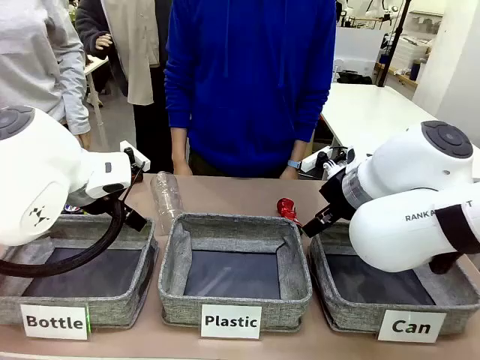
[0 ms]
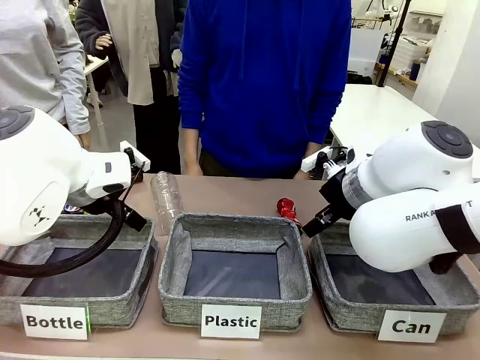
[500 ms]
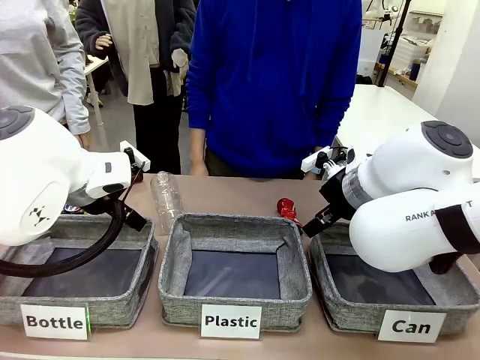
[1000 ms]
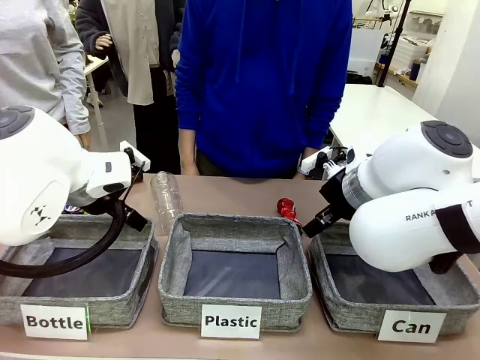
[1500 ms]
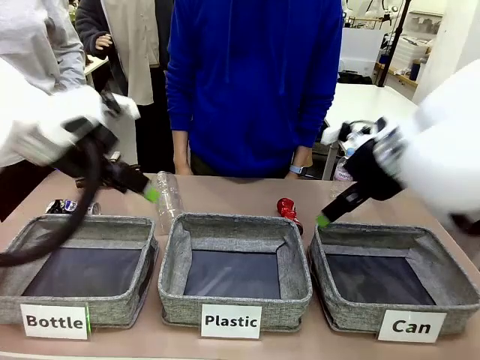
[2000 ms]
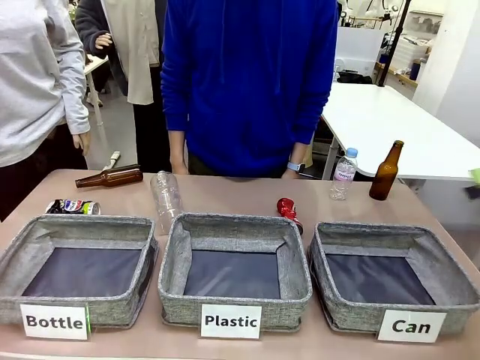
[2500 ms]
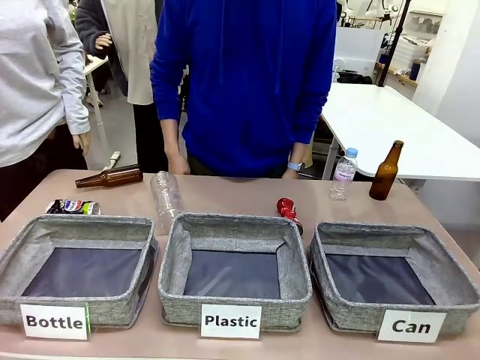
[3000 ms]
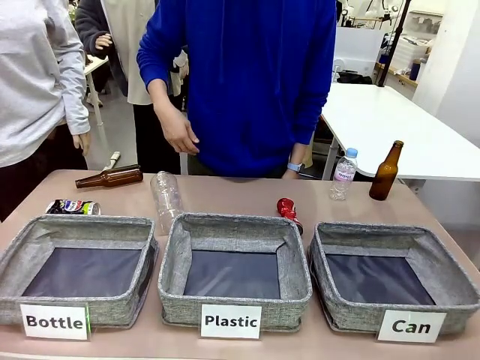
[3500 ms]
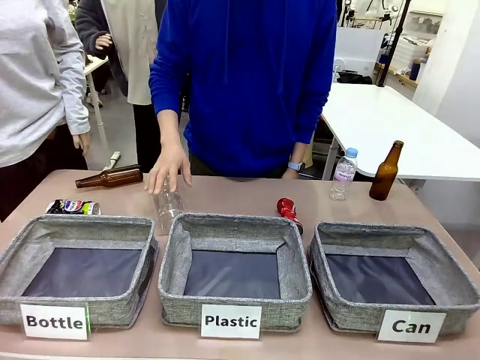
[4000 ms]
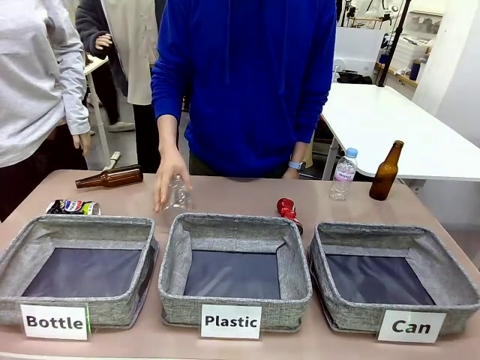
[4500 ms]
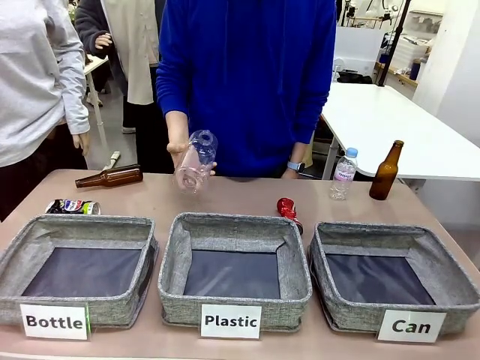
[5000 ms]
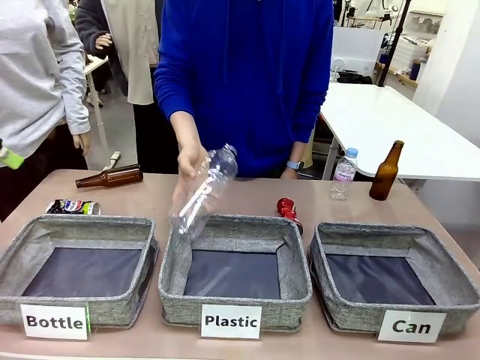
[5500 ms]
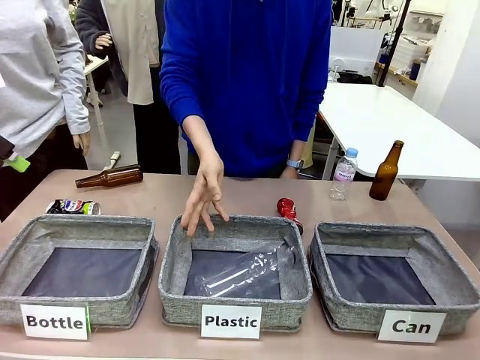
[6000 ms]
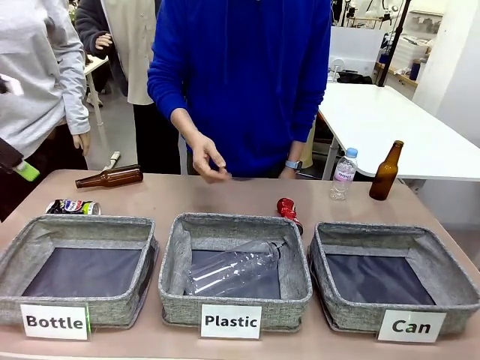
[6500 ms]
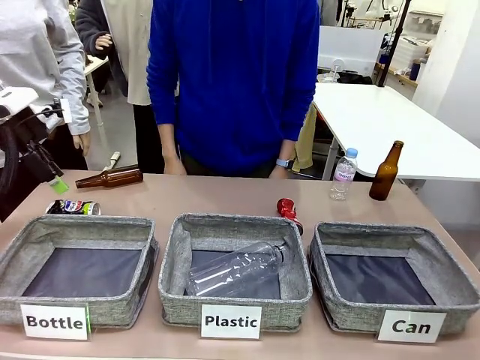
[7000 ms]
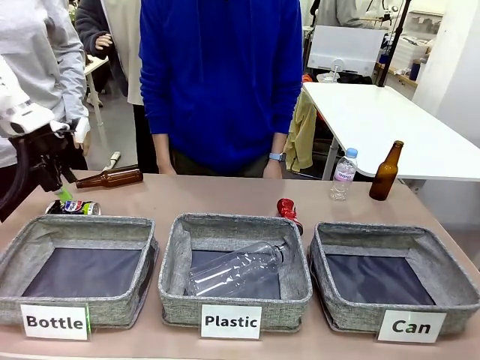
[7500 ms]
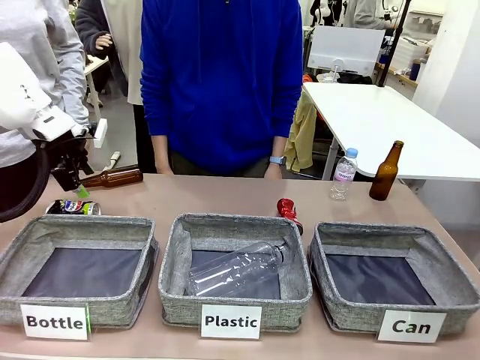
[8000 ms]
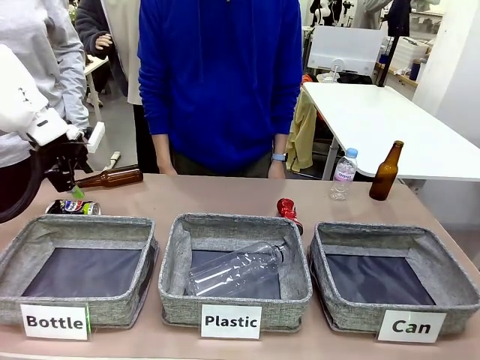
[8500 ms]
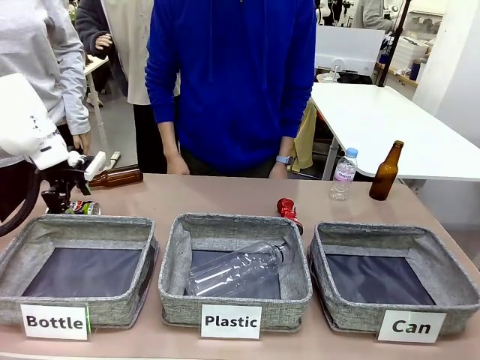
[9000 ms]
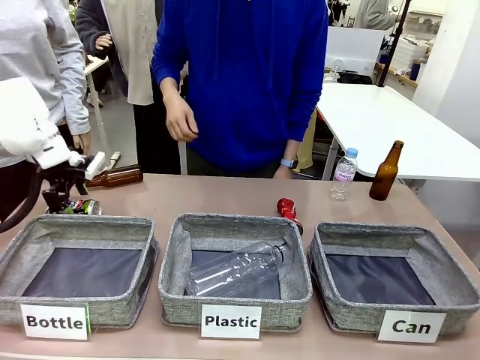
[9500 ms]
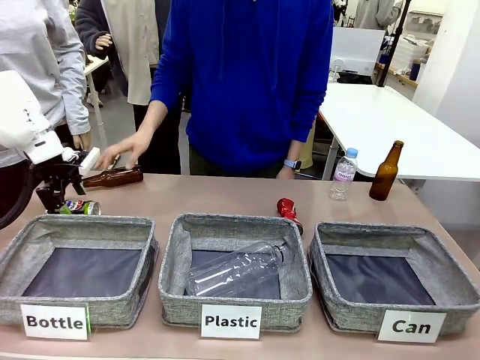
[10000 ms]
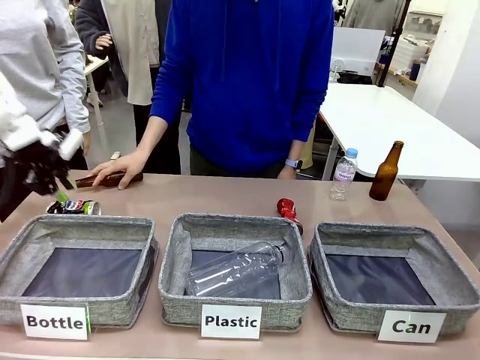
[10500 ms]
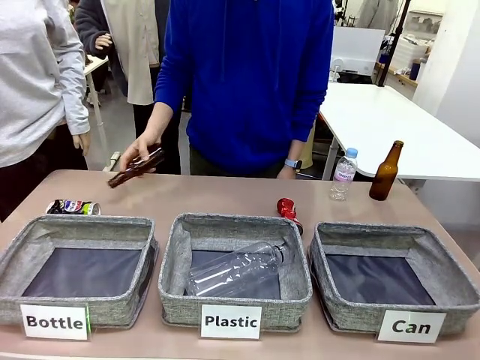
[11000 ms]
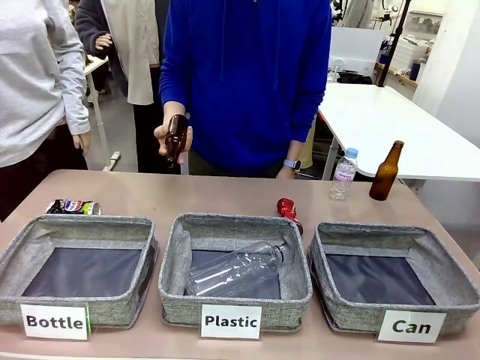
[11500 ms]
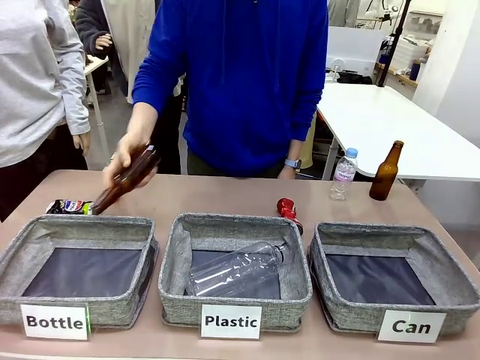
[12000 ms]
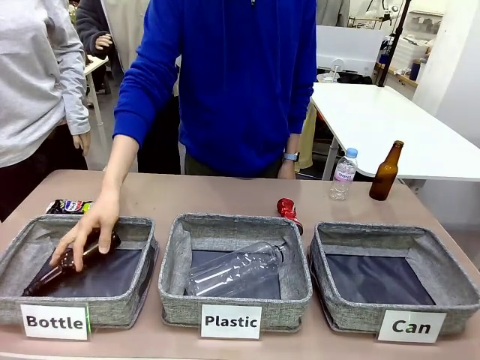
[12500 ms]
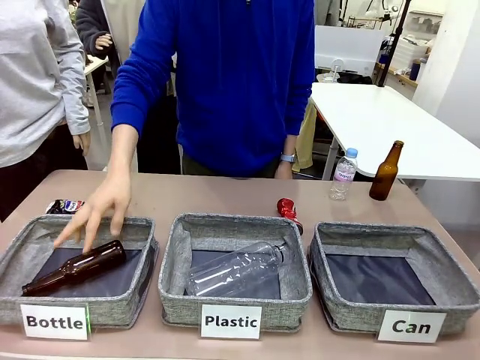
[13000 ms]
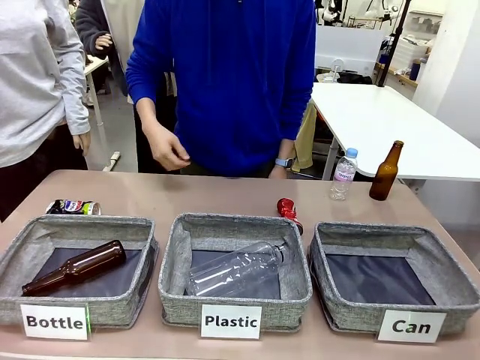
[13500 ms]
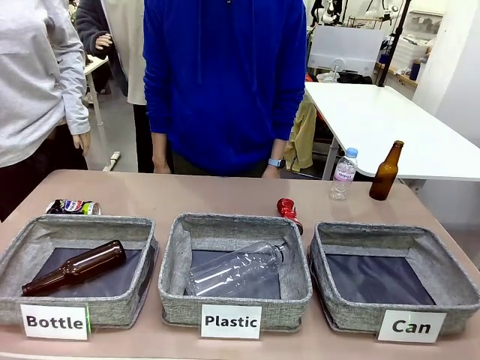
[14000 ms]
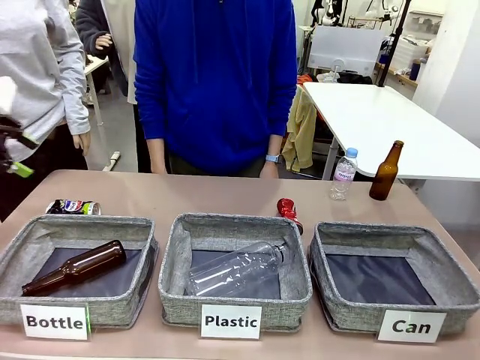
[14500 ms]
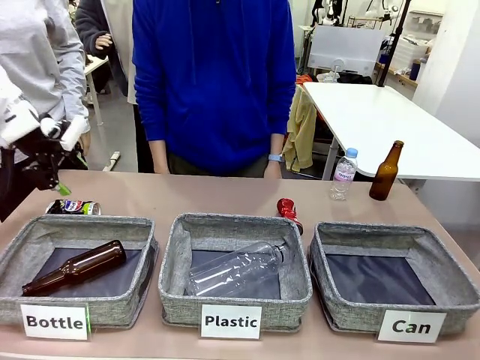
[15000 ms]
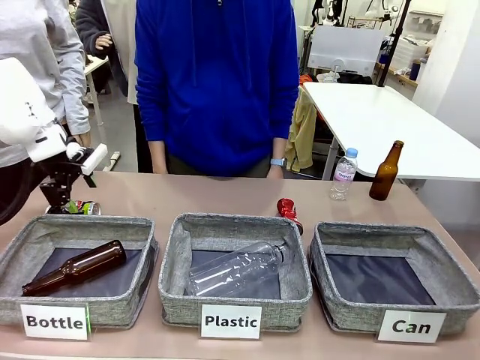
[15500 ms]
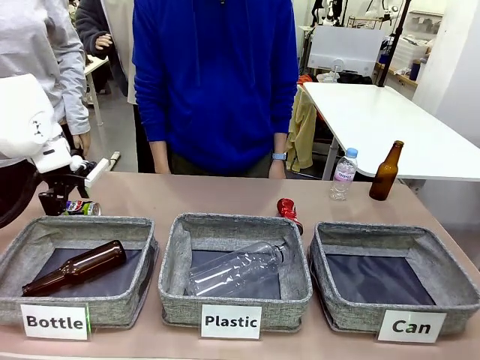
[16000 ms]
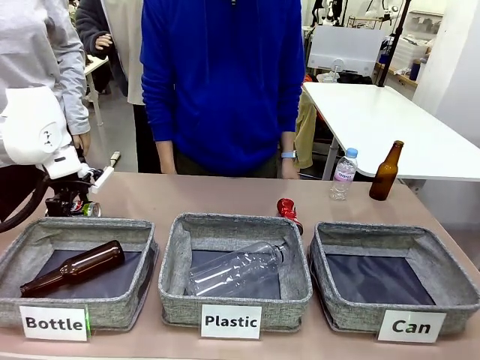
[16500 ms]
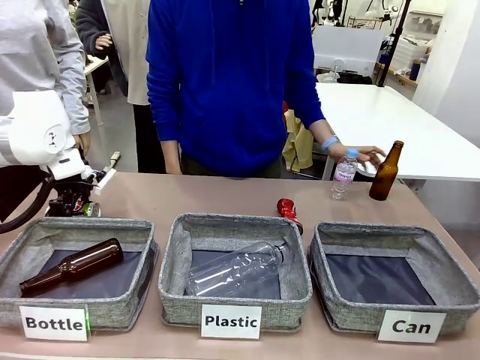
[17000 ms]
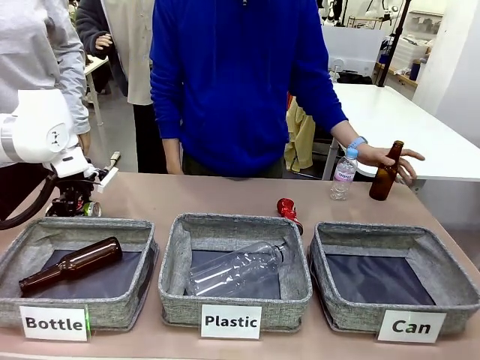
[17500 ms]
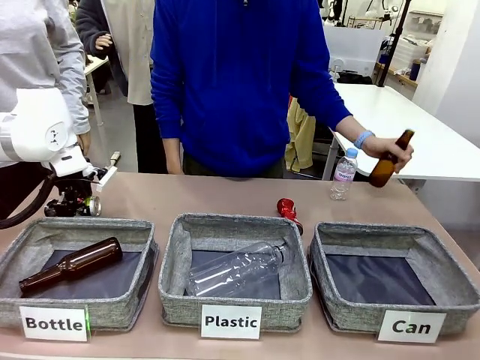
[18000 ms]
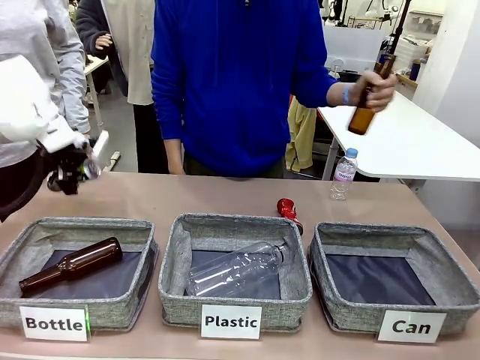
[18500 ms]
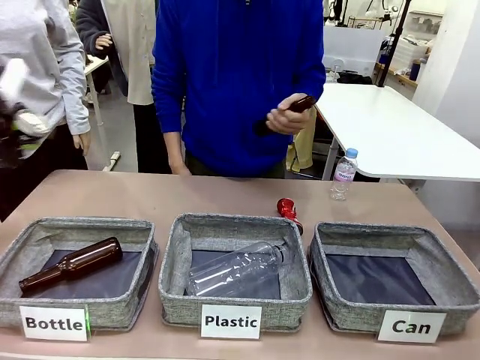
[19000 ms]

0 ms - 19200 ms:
Task: Sort the can waste into the basket.
Robot: Pick up the can waste from the table and place it in the right Fabric basket.
